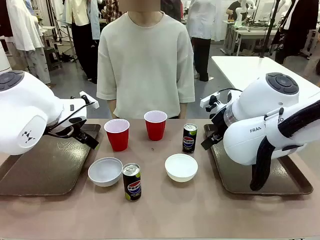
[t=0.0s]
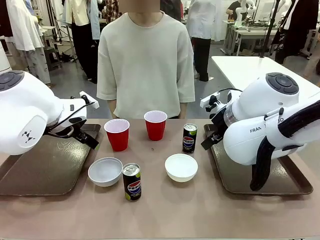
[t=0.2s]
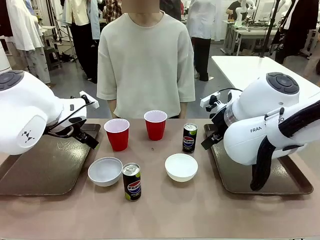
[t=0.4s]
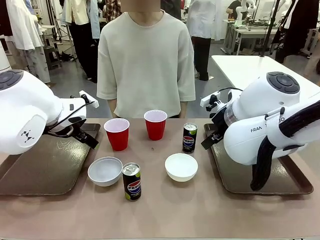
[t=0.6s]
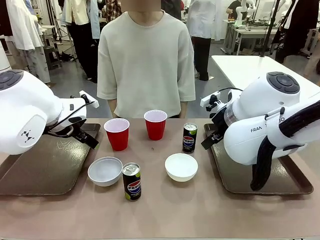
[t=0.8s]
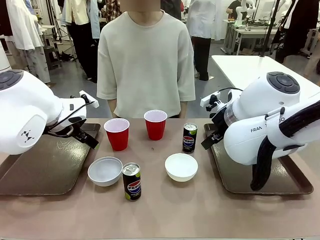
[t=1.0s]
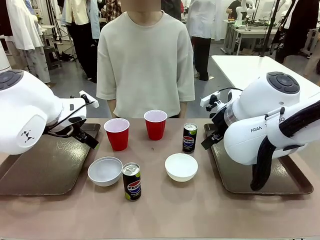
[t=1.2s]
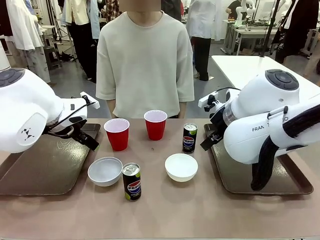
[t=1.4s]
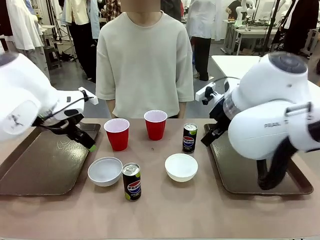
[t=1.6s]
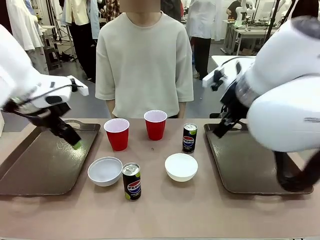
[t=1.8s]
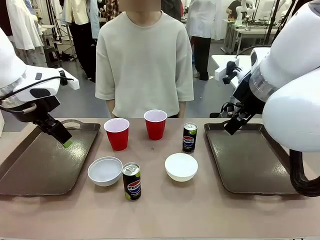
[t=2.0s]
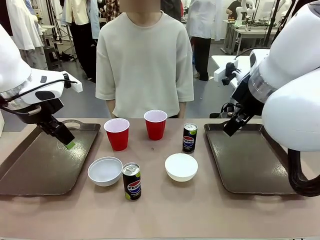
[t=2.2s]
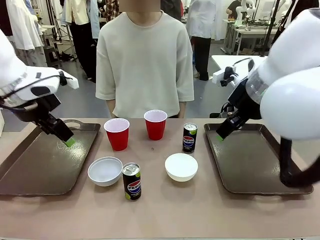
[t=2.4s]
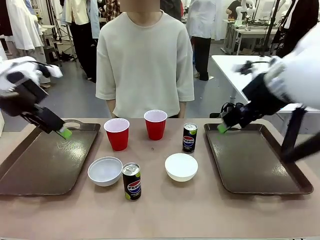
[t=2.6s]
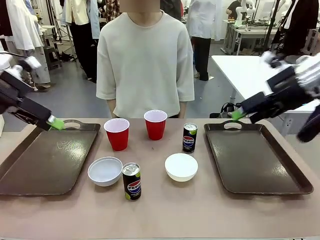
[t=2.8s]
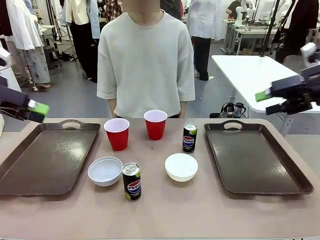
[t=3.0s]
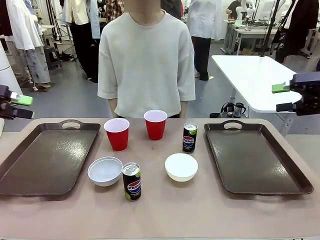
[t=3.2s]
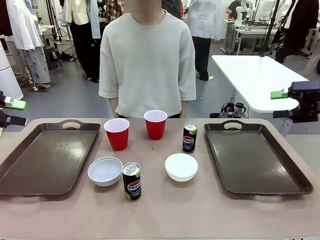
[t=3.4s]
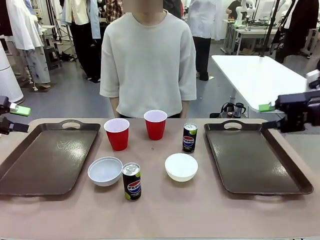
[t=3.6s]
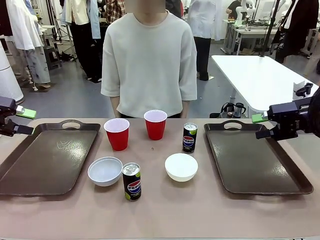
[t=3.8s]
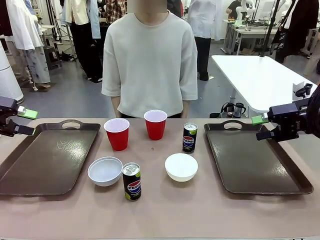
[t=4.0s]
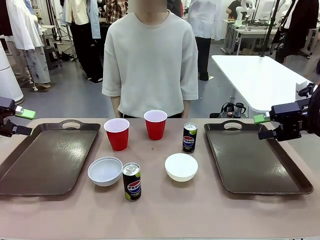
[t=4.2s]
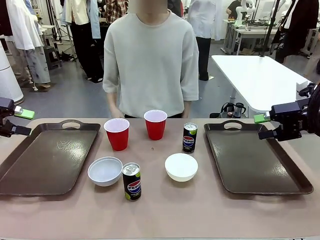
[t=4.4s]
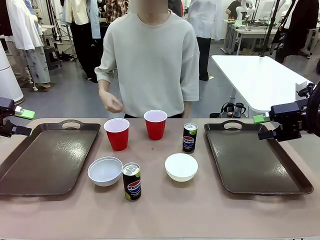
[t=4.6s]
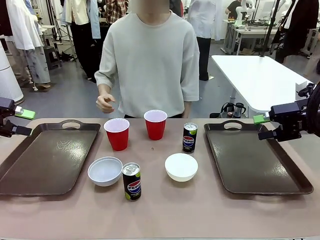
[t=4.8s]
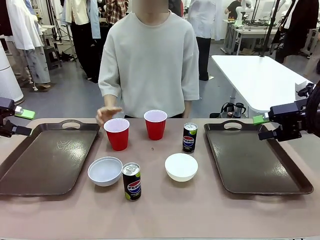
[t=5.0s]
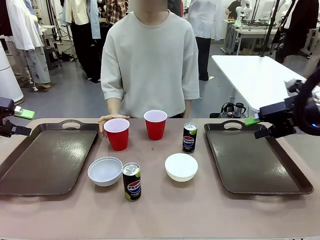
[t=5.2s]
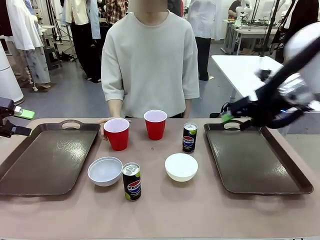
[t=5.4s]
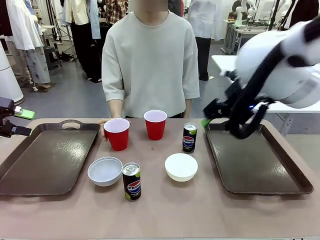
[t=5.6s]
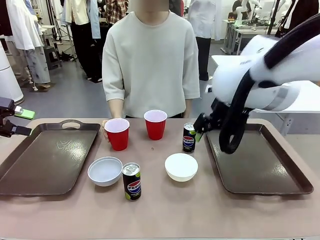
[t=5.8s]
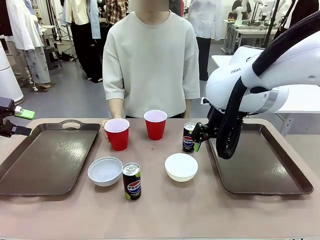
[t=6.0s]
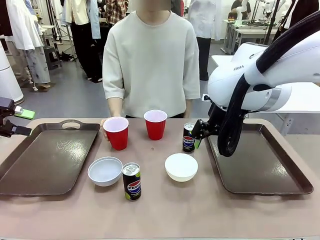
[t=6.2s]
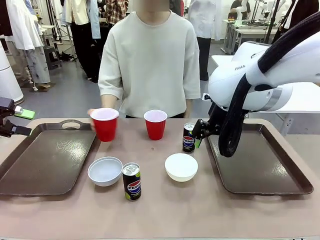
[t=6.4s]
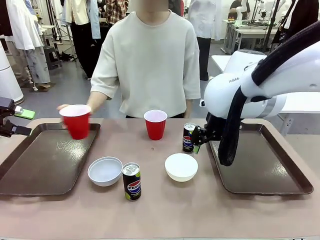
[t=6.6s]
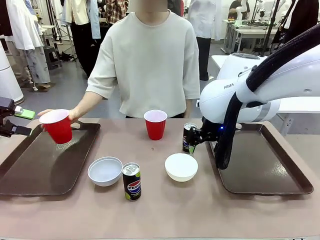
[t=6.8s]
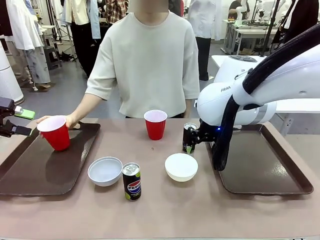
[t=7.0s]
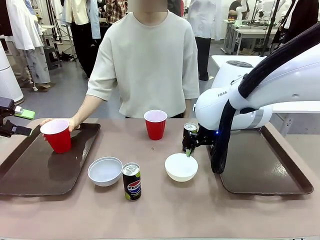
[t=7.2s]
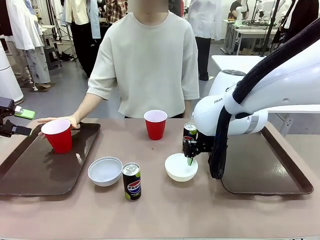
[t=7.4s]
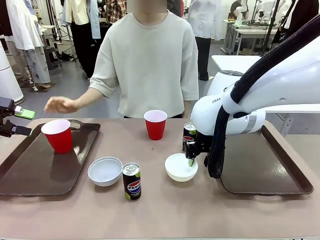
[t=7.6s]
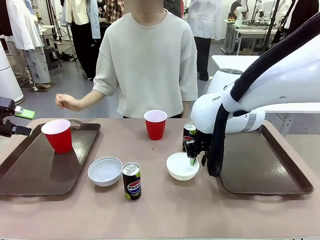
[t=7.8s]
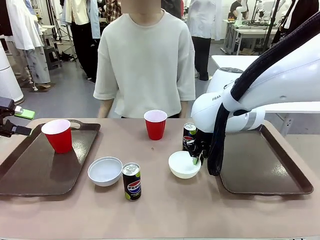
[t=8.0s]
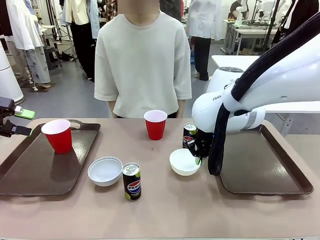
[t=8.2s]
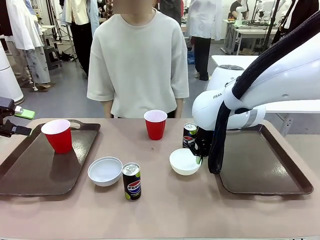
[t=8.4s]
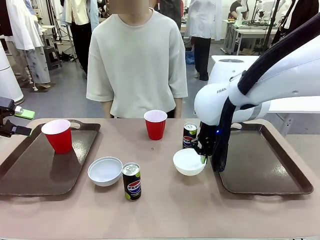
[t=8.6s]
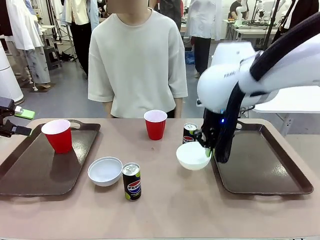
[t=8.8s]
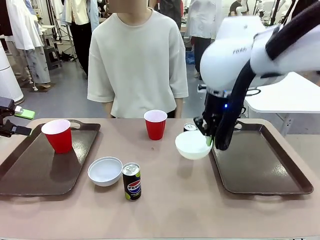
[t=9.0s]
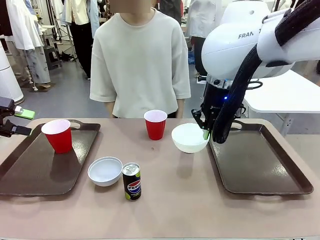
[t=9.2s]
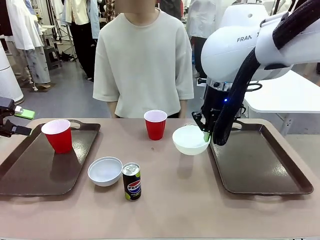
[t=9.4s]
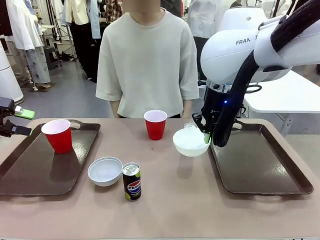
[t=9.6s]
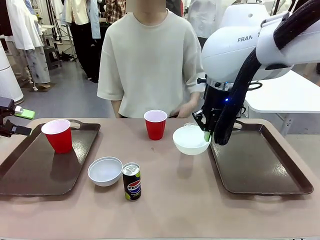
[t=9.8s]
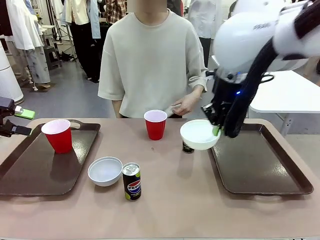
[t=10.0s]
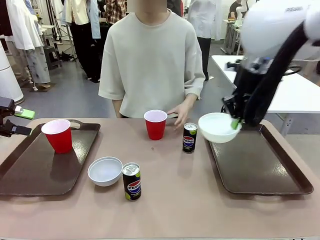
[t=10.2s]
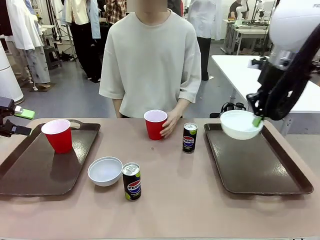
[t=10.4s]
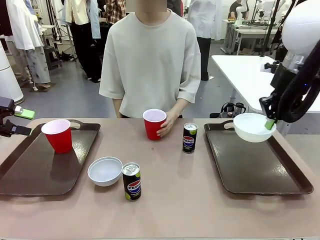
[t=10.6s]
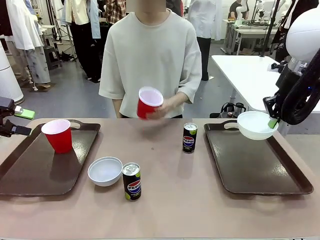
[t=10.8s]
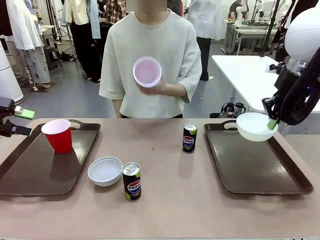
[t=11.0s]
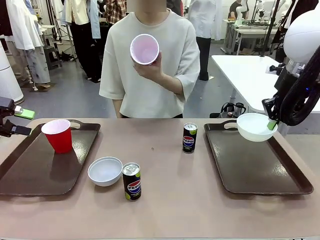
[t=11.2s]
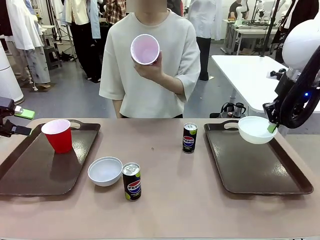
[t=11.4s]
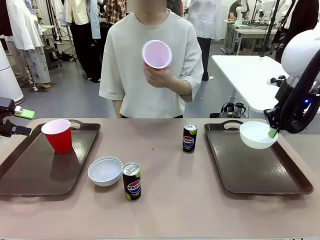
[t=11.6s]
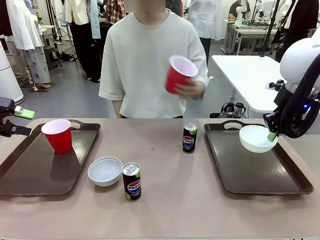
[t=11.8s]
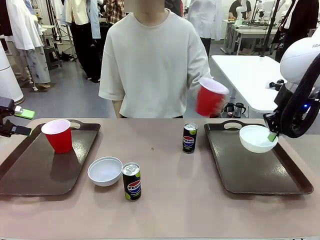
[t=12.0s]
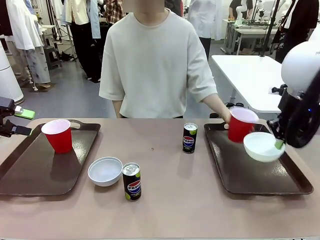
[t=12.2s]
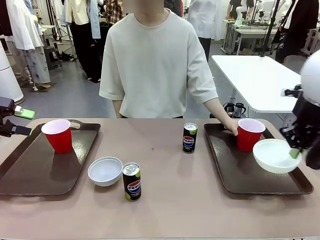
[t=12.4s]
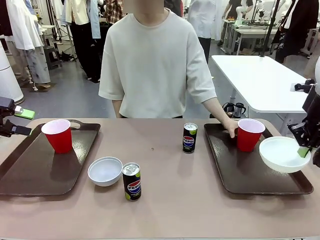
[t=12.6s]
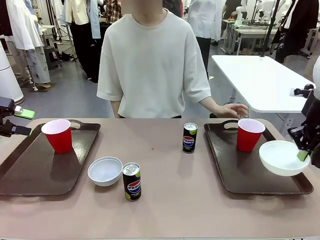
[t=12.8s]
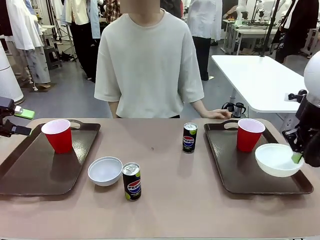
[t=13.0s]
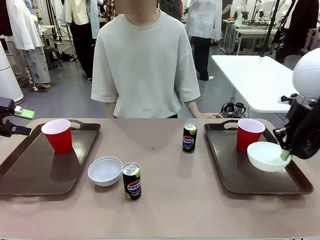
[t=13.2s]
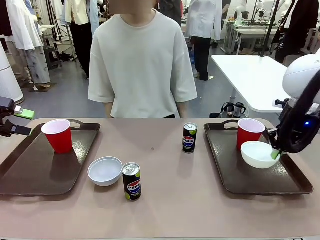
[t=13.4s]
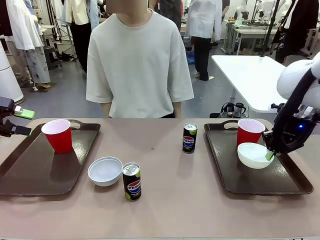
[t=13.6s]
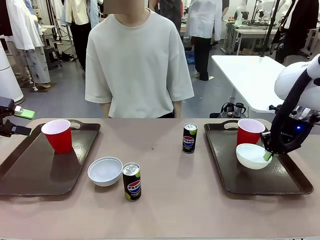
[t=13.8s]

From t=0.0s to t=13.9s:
Task: Prepare tableware on both trays.
Robot: Pick up a Picnic Bowl from the table and place it on a Handle tray.
Person: Pick up a can or cup and place it on the tray.
